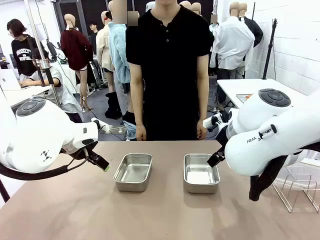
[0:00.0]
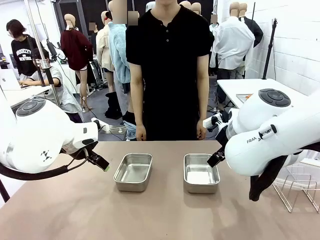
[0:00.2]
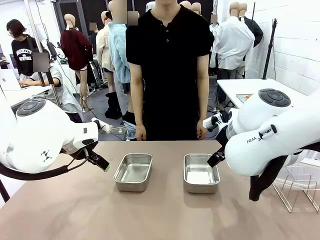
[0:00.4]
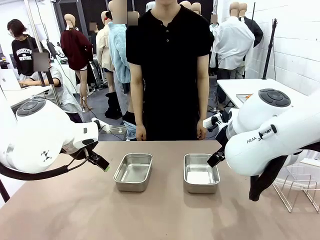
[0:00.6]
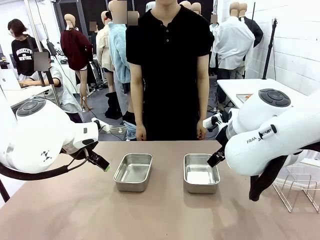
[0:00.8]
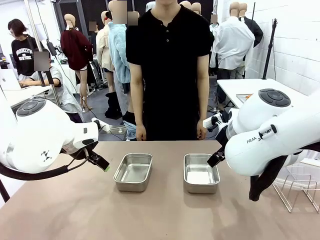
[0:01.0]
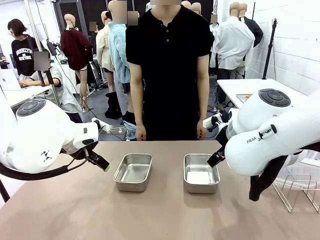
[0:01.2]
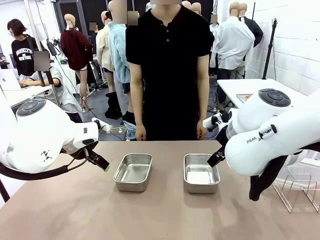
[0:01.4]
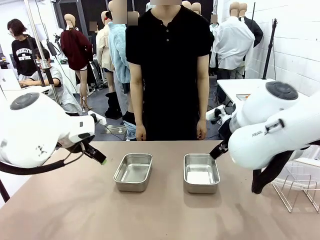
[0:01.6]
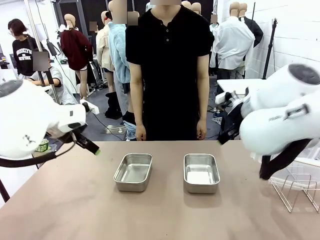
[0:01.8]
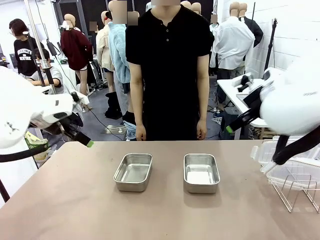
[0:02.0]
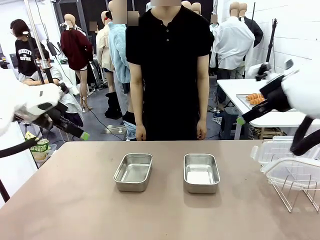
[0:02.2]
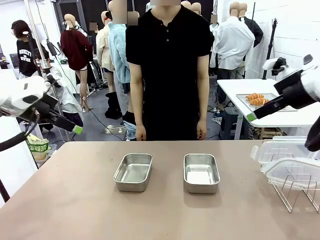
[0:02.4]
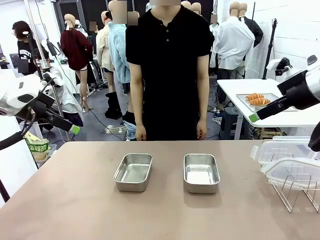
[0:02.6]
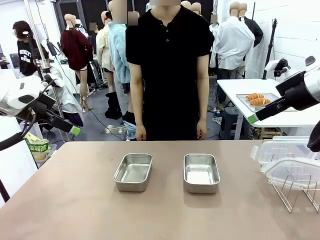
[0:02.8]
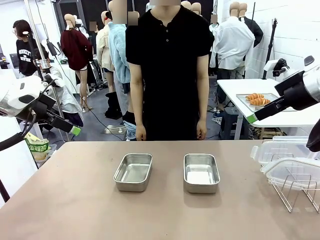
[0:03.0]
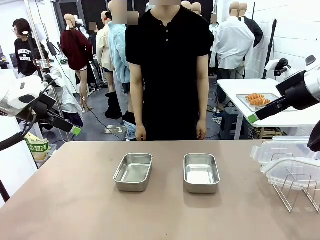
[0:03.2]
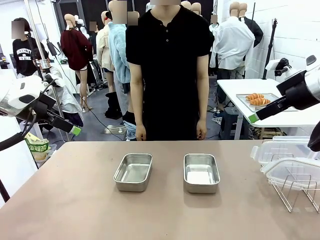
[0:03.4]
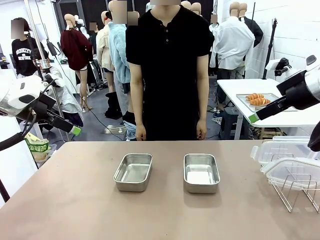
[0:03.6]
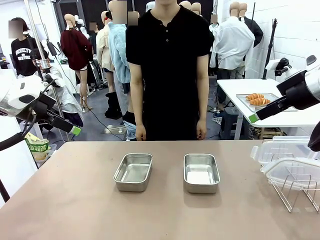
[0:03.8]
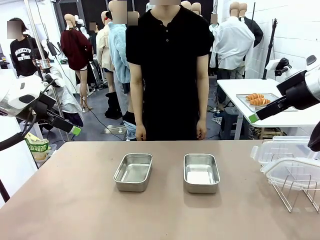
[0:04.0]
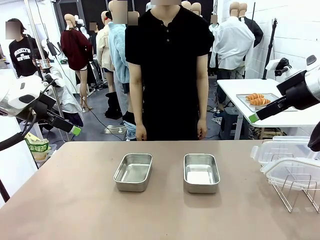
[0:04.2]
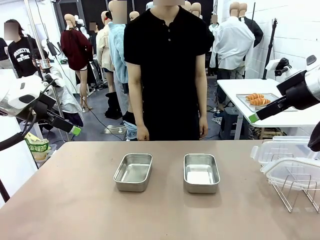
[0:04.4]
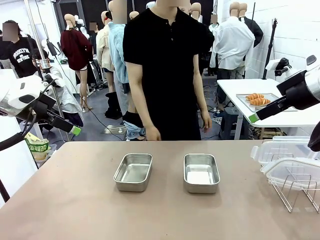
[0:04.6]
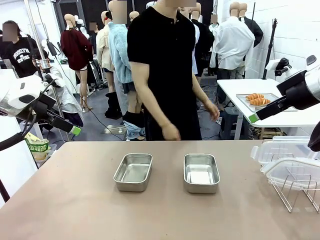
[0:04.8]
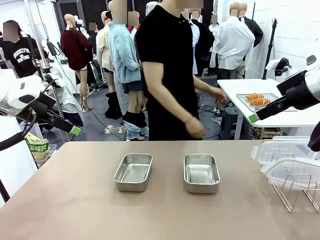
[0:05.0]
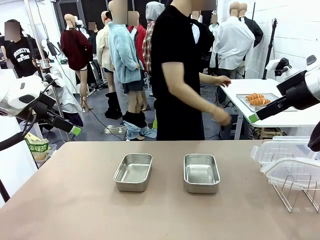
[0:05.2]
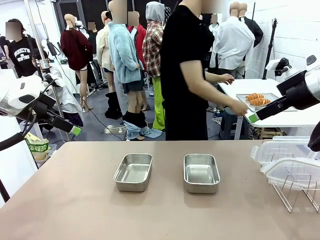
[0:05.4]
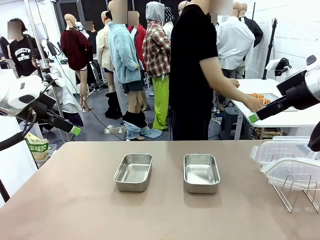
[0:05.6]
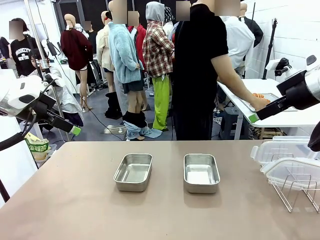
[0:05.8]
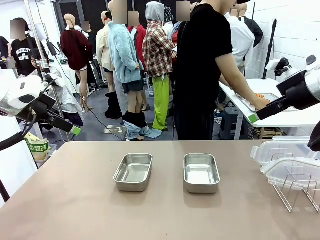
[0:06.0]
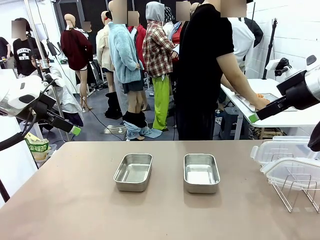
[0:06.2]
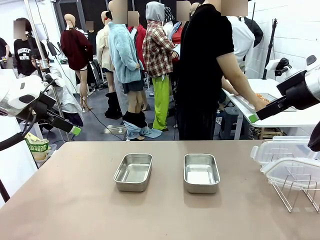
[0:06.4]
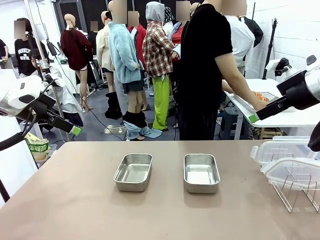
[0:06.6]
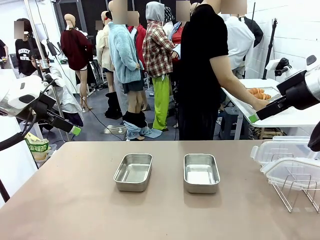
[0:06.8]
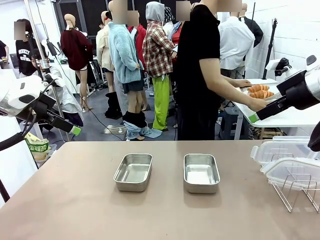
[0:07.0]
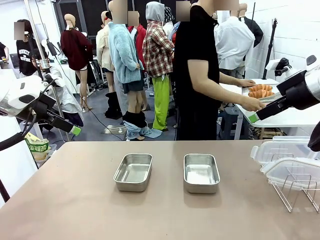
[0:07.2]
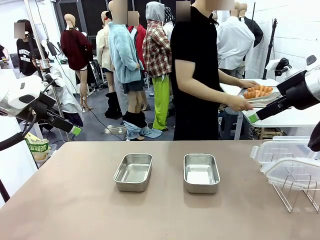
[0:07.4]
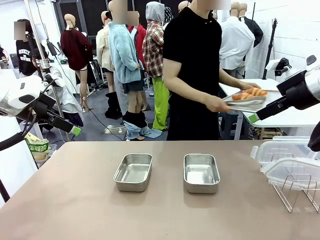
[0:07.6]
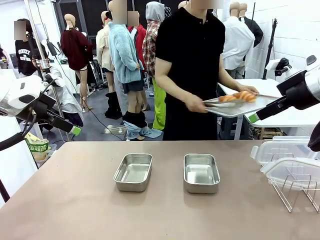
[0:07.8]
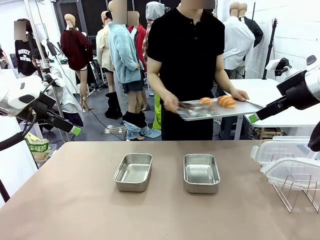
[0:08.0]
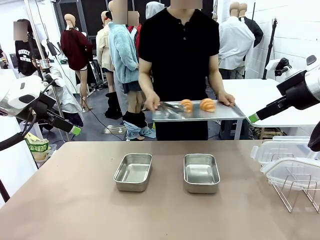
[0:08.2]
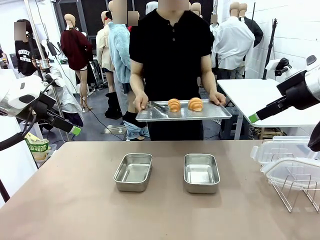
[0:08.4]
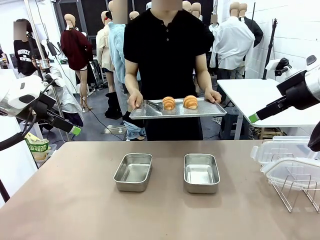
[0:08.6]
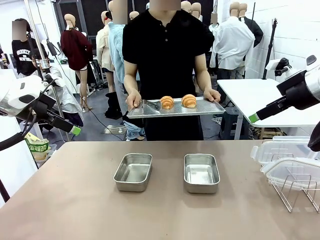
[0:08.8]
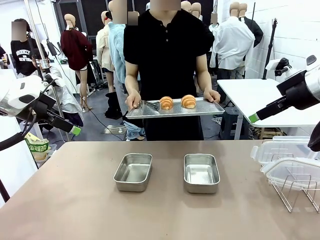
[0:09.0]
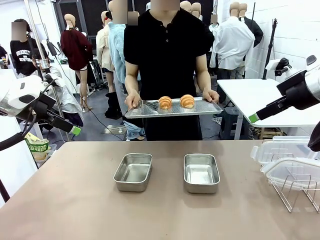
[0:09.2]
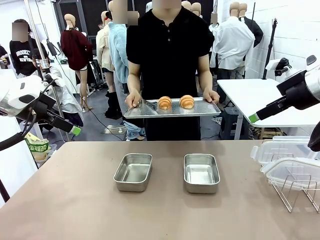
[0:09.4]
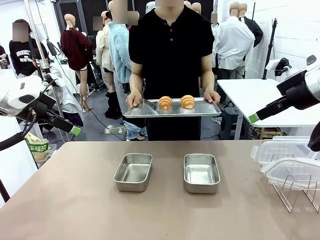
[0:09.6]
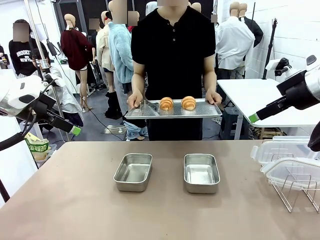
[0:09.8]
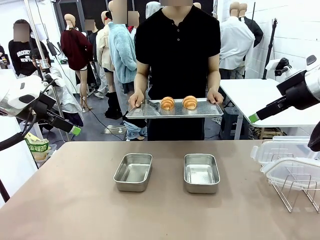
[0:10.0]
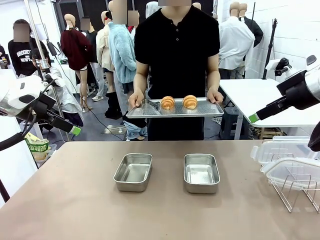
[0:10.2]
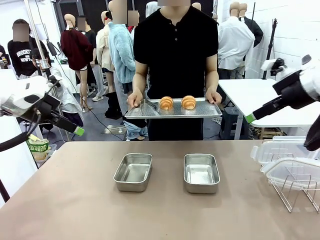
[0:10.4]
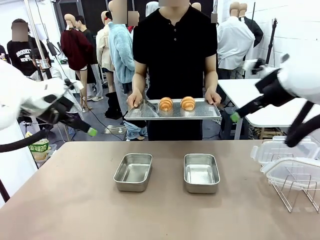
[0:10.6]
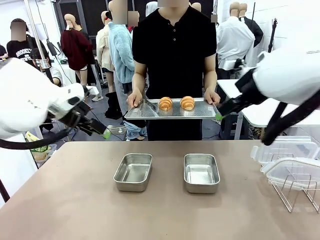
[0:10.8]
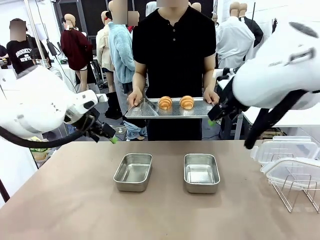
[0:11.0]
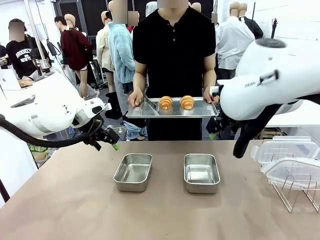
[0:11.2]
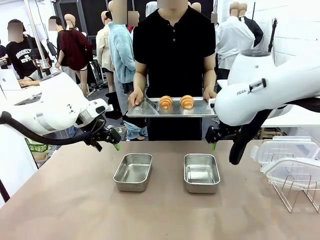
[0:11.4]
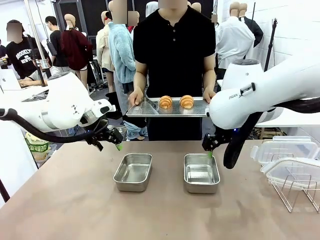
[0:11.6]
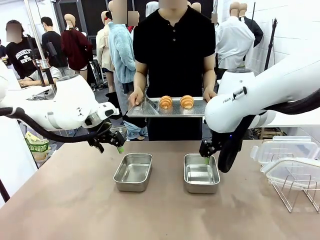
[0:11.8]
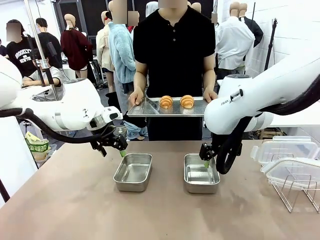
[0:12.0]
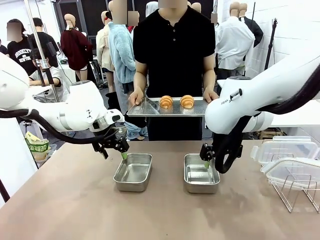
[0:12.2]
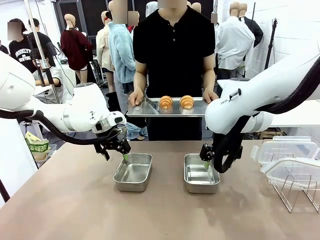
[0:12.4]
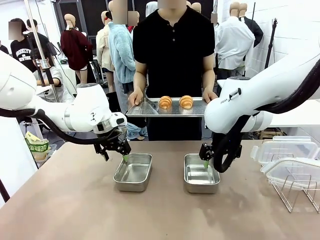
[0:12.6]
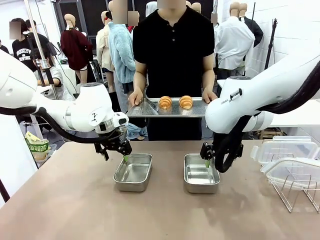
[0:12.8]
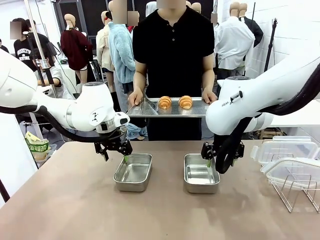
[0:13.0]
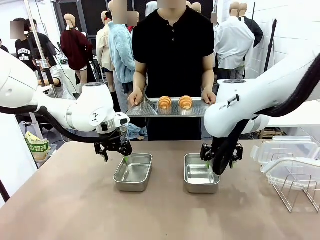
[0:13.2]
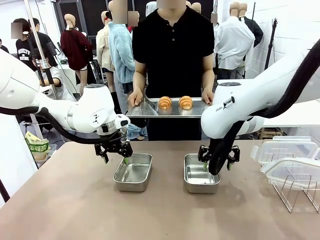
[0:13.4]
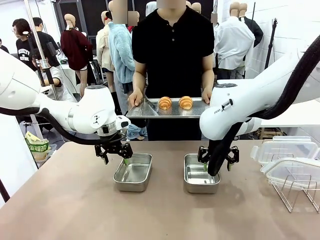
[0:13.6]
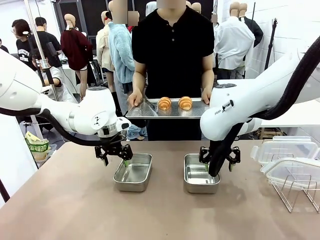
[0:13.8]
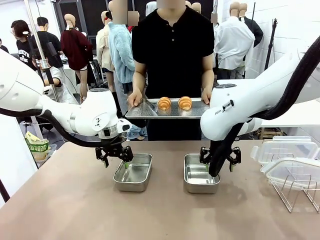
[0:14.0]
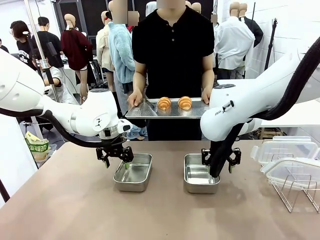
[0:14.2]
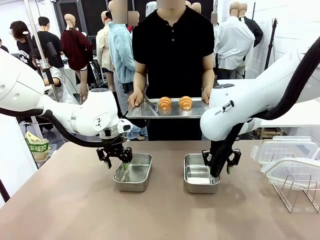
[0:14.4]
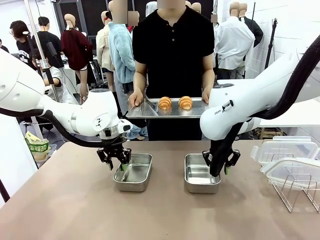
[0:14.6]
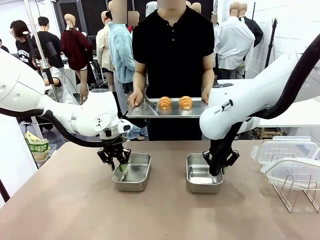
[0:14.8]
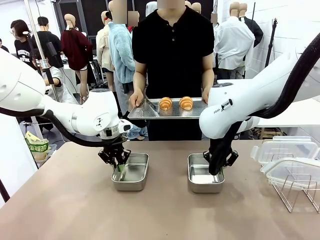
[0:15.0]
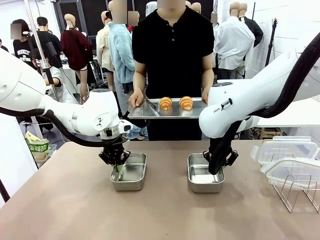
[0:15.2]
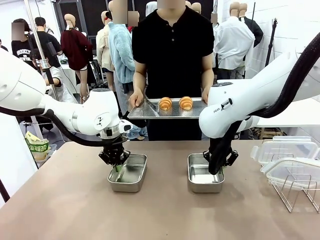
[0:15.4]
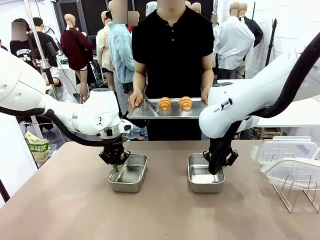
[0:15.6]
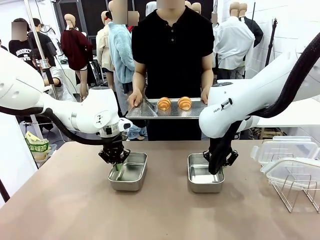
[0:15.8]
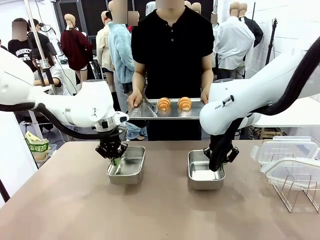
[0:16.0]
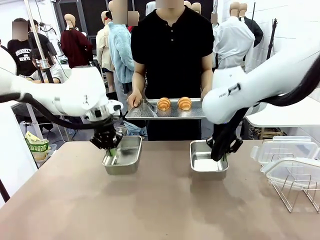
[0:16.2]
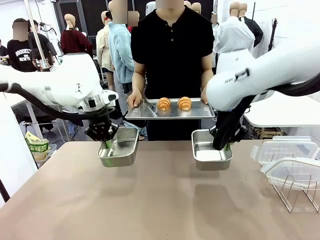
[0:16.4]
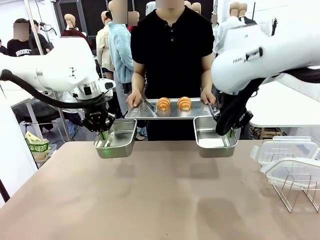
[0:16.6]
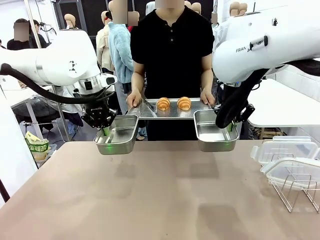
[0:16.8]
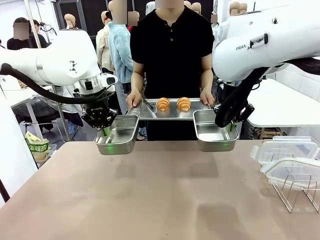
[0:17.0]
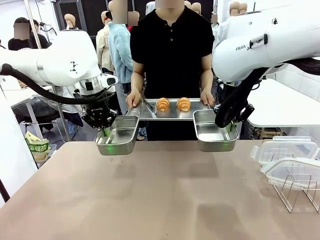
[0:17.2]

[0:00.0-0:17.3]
Task: Place the bread in airtight containers.
Robot: Lift both Airtight Container.
Person: Bring the Baking Sheet in front of Robot's Table.
